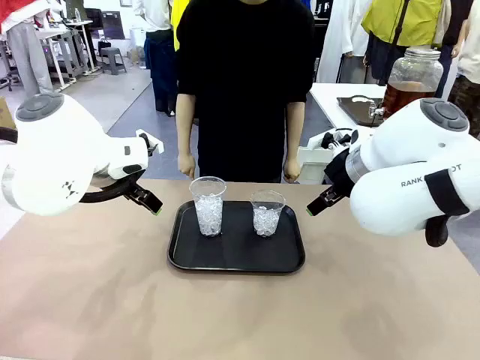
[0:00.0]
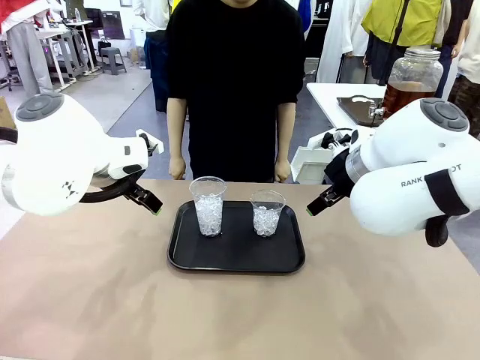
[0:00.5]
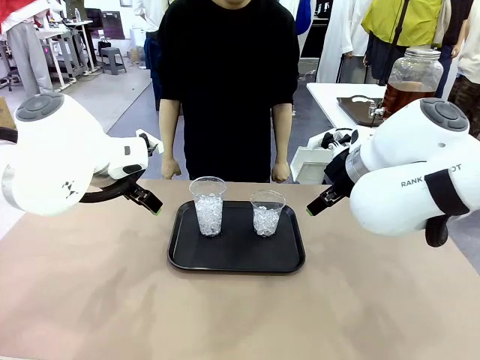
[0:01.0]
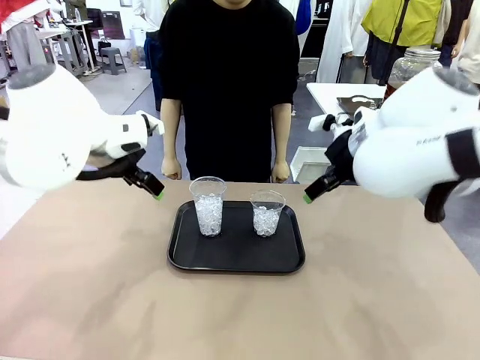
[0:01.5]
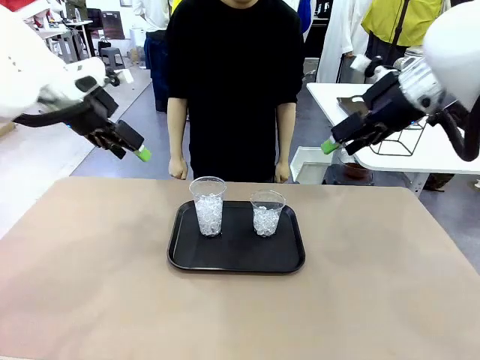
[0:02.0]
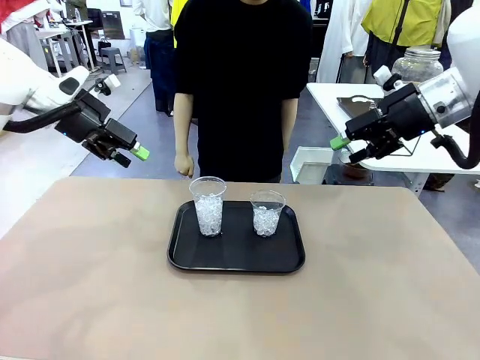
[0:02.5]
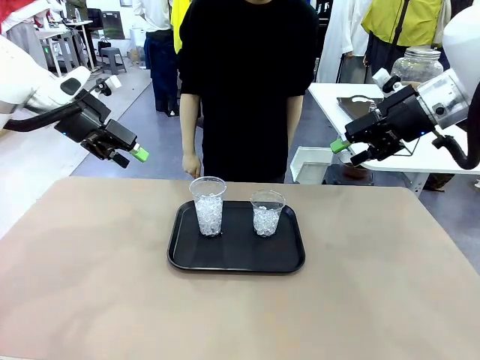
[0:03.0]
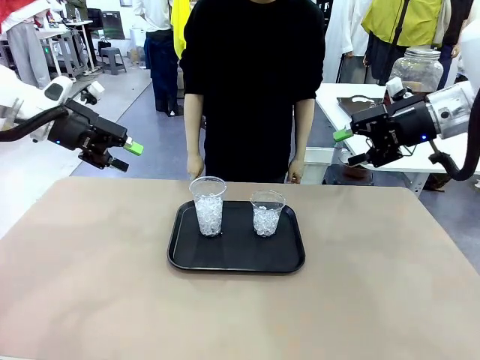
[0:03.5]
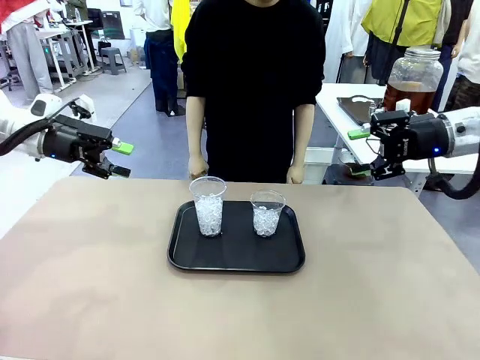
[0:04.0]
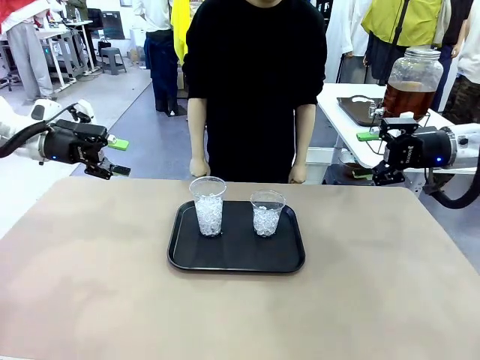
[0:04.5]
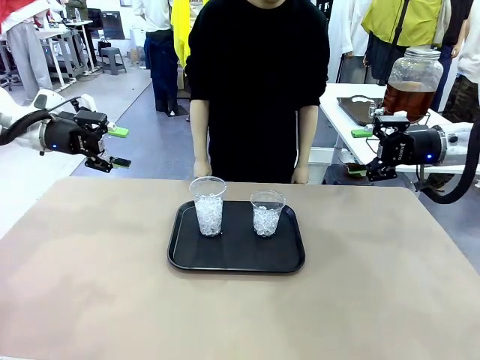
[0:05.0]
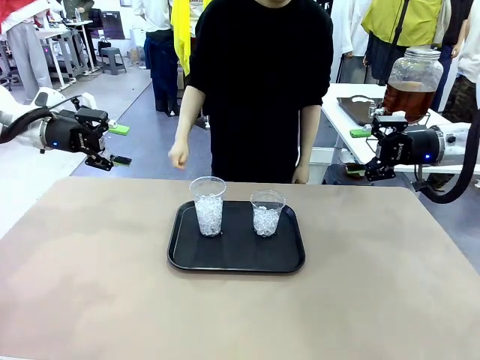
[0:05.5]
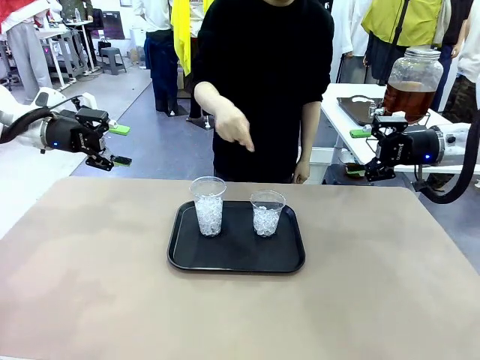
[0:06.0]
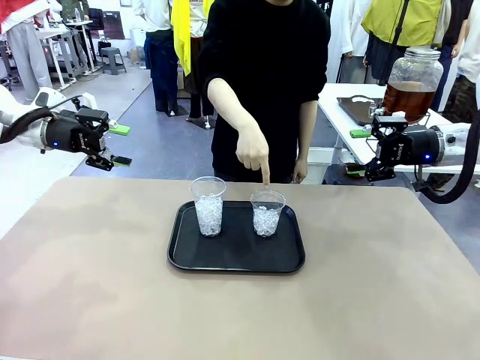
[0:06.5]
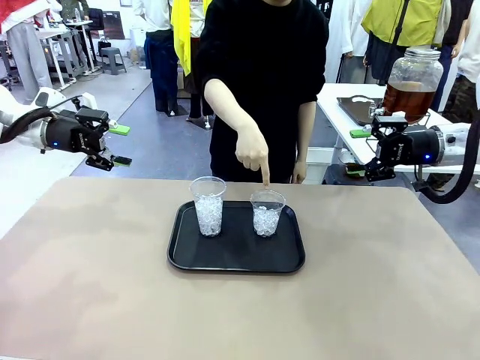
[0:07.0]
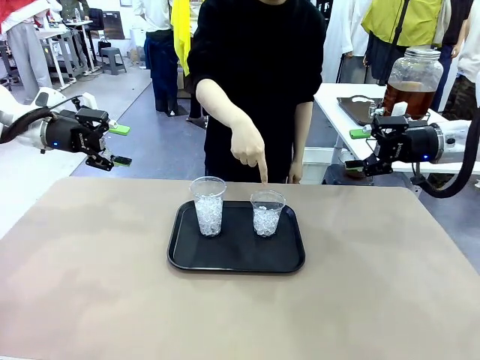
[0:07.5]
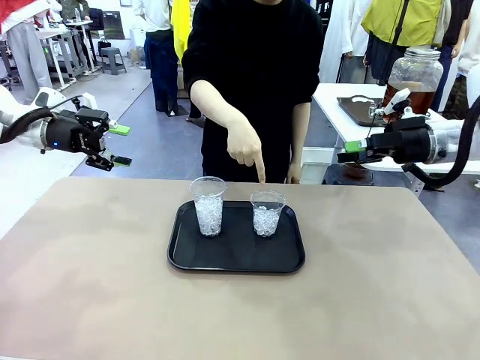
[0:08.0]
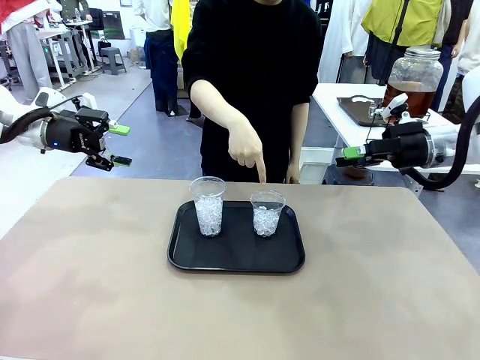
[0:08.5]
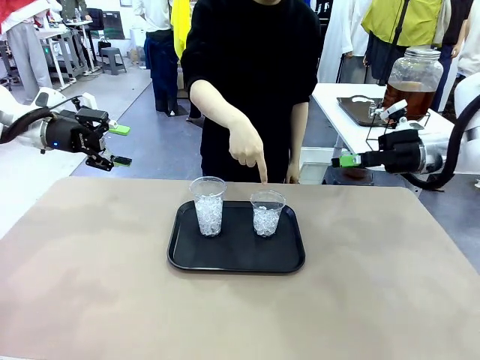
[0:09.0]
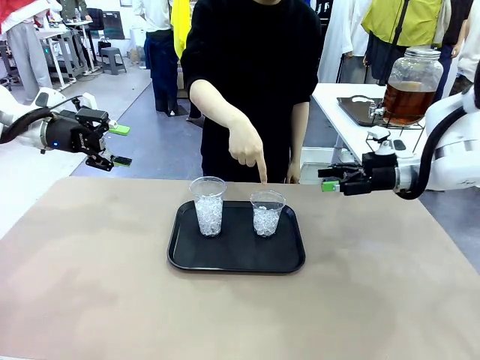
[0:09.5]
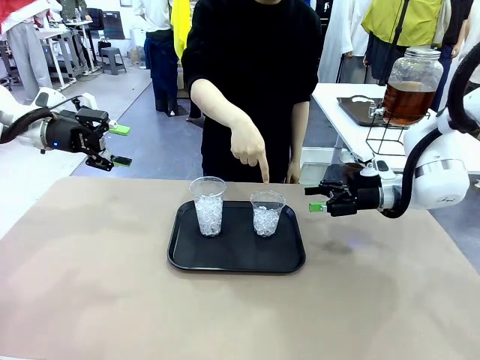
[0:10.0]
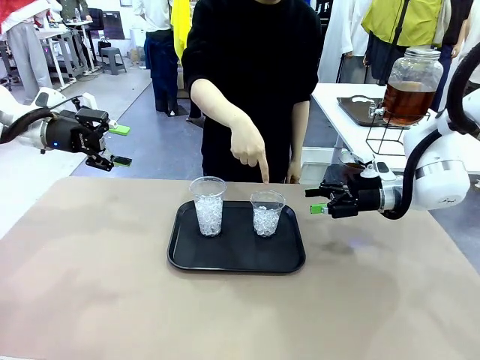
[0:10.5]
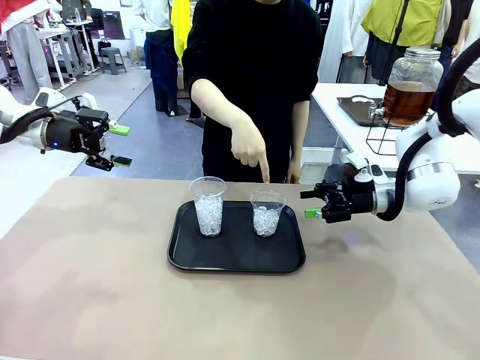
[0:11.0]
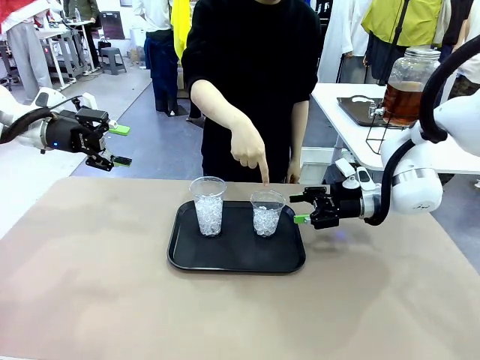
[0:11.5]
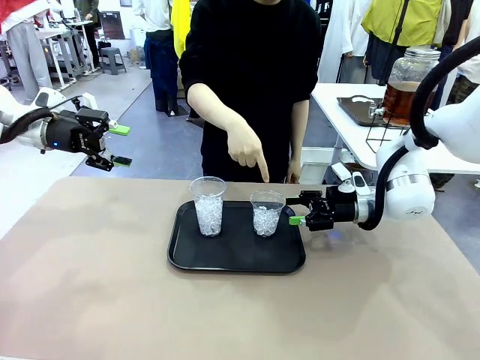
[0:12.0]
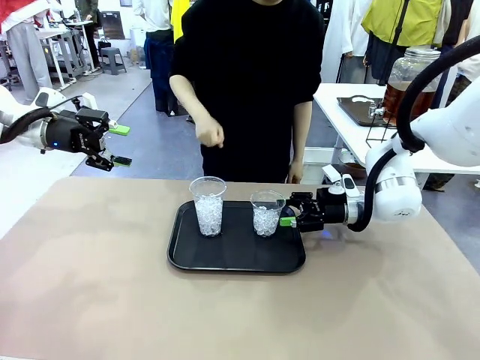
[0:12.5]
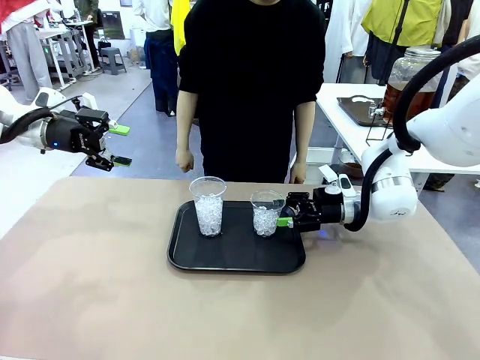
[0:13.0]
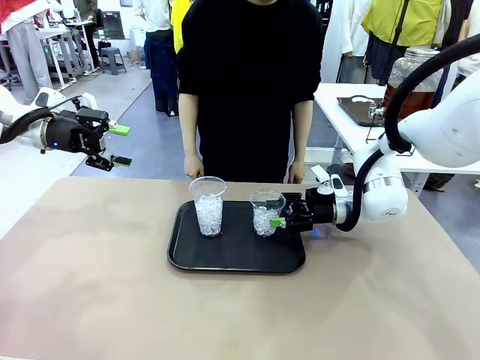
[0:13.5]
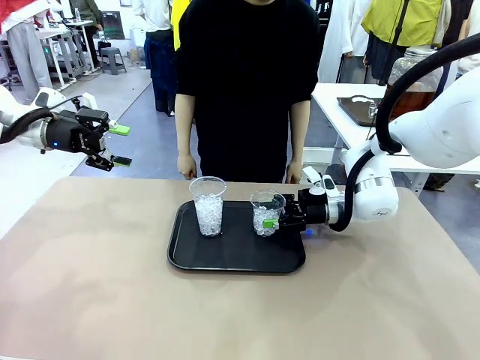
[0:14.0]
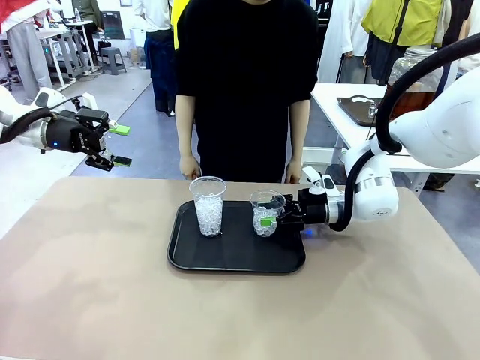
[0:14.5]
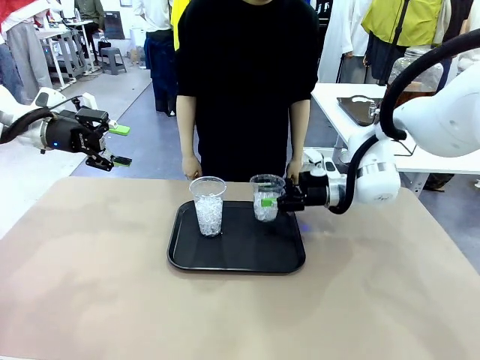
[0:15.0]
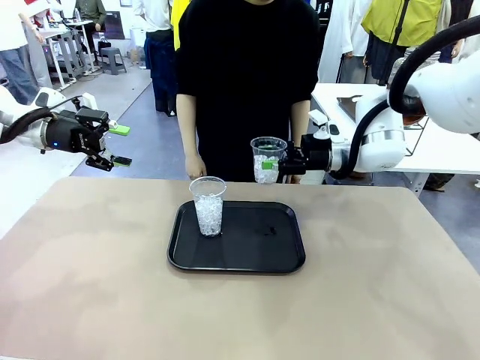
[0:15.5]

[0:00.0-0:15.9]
Task: Pour the drink into the iced cup.
Robot: Pick up the iced cup indicated by the human and present it to them.
Person: Point to one of the two ice cups. Pick up the cup offered by the robot.

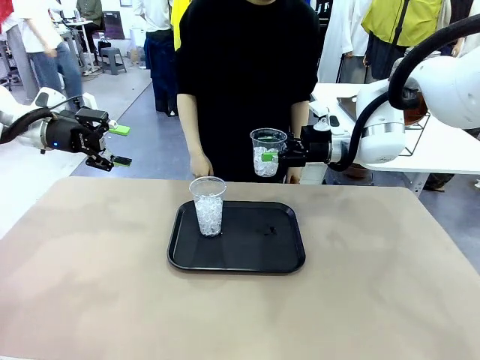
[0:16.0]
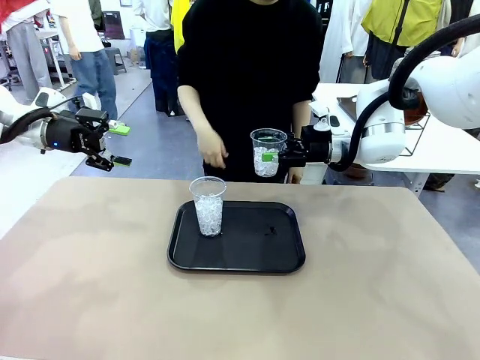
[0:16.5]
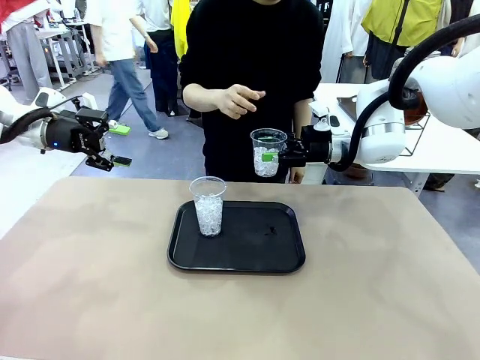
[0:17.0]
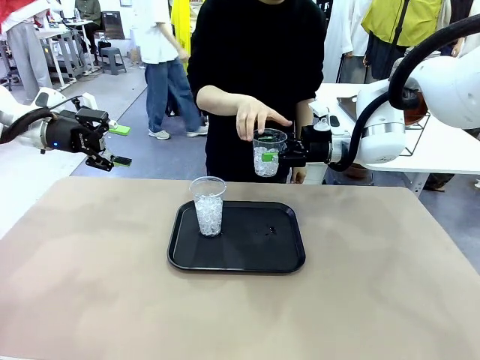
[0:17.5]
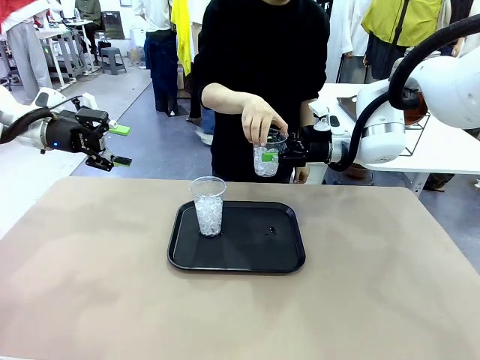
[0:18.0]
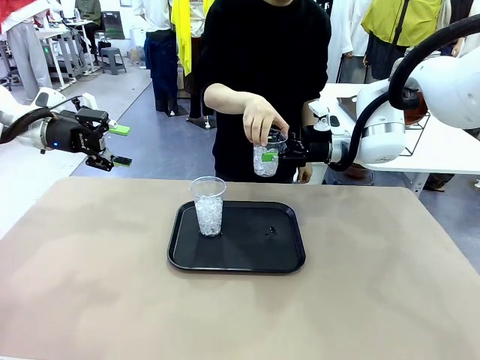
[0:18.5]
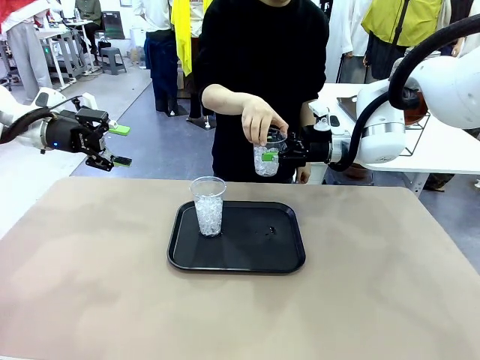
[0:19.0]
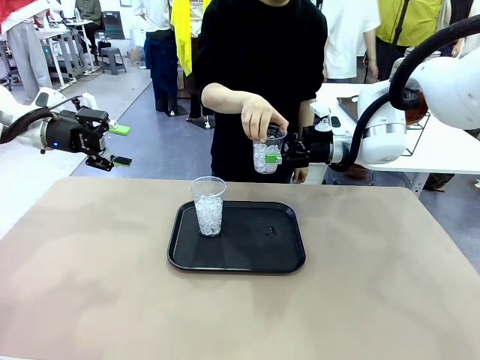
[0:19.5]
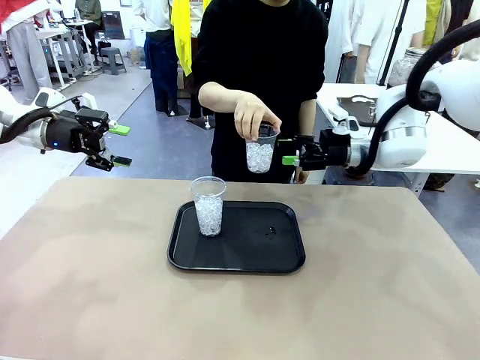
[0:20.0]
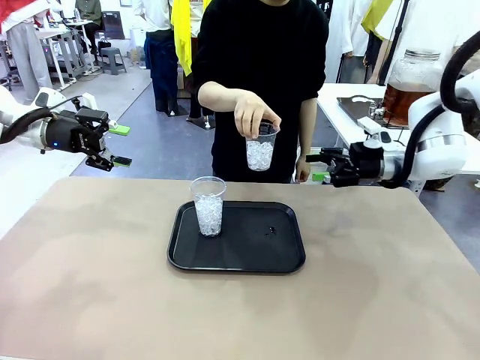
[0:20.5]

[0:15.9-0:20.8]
Robot: Open the gripper to release the iced cup you were holding.
